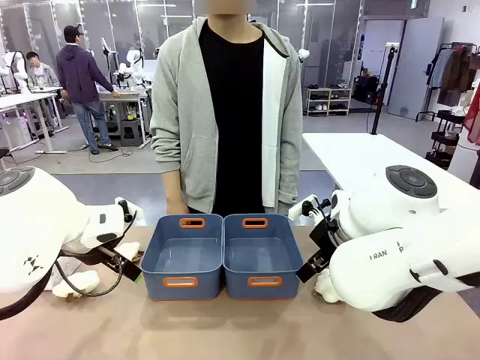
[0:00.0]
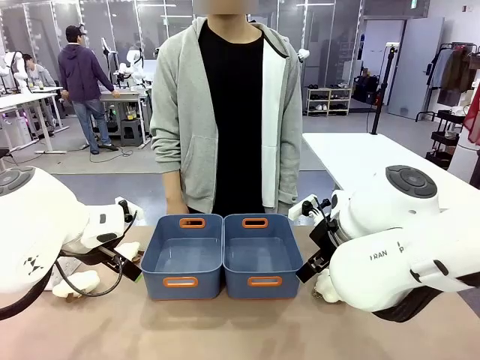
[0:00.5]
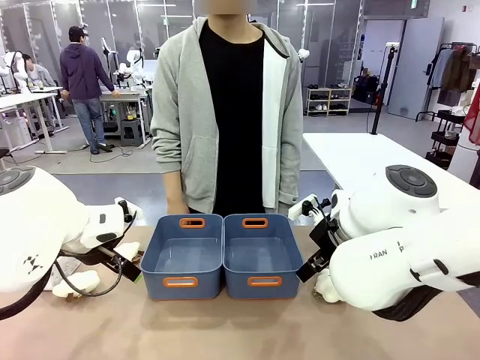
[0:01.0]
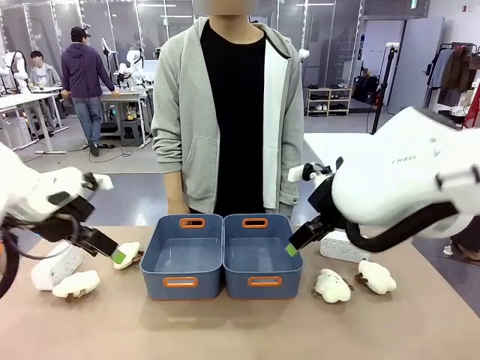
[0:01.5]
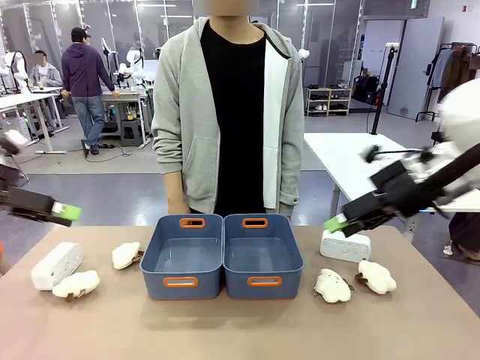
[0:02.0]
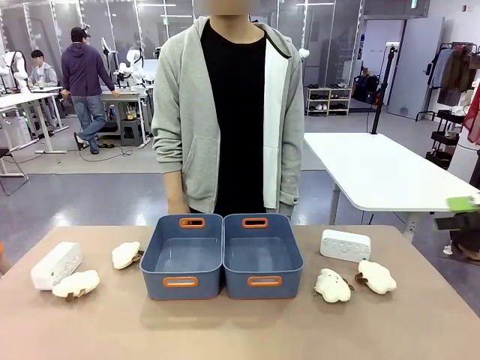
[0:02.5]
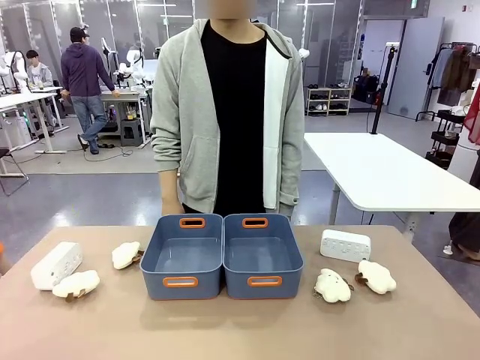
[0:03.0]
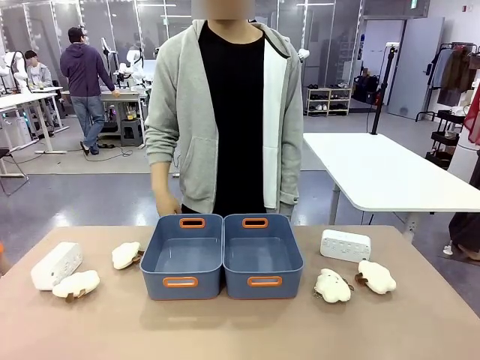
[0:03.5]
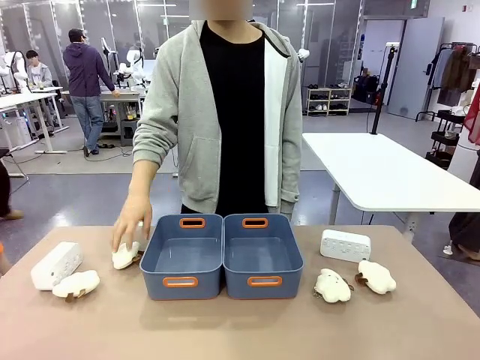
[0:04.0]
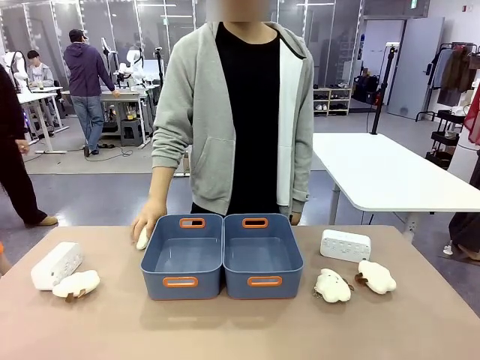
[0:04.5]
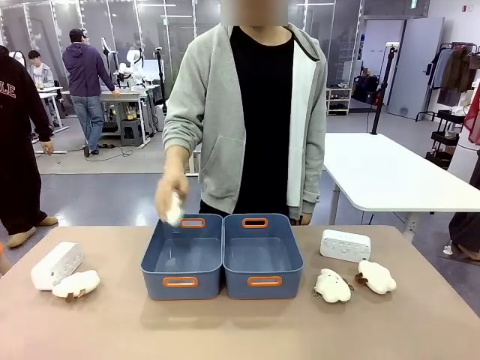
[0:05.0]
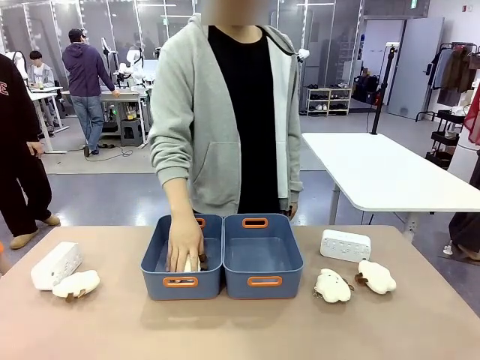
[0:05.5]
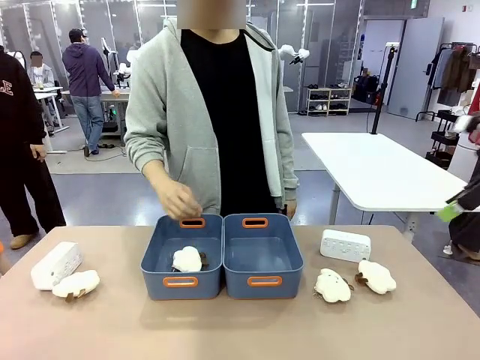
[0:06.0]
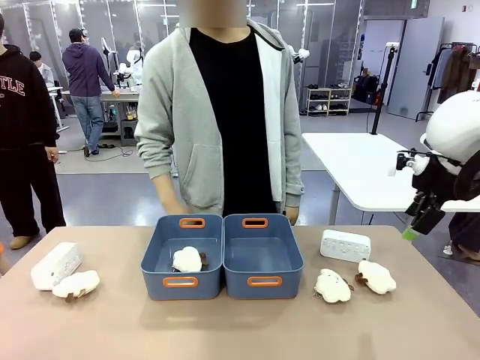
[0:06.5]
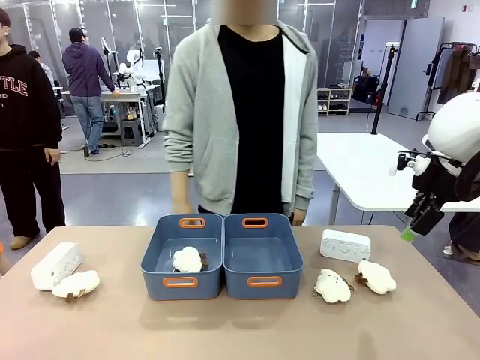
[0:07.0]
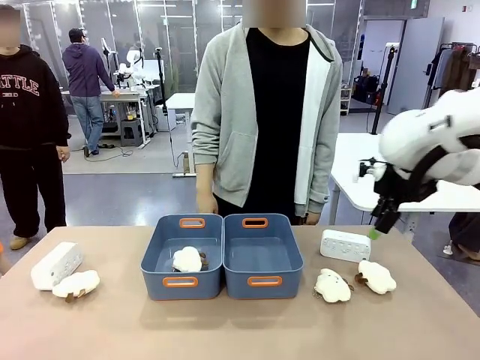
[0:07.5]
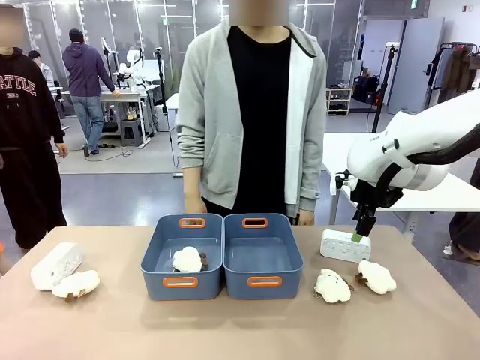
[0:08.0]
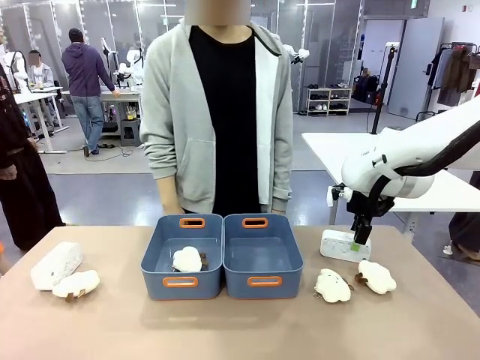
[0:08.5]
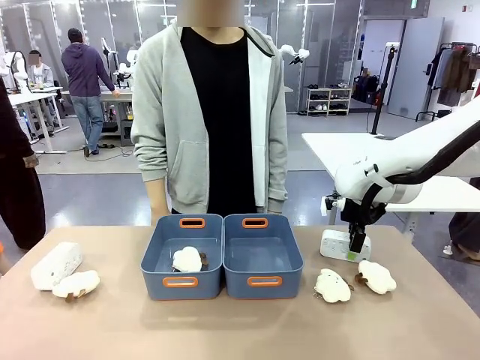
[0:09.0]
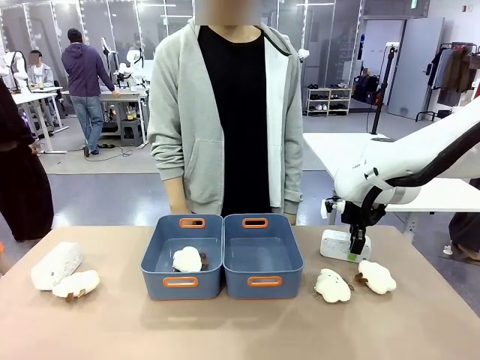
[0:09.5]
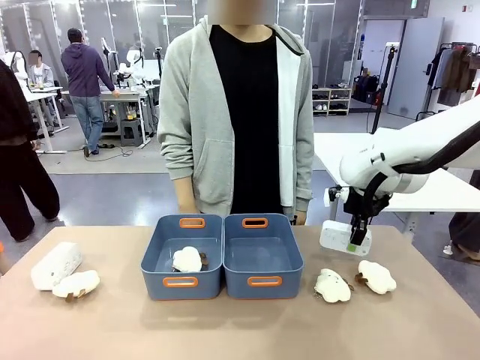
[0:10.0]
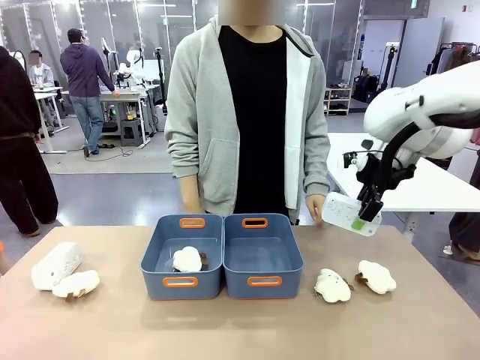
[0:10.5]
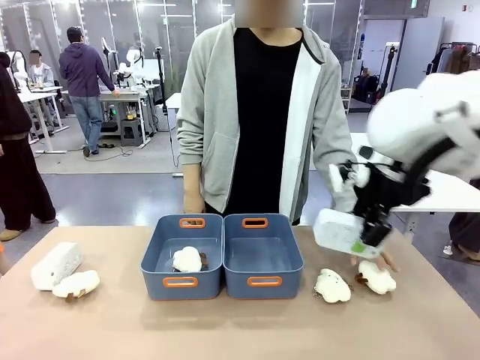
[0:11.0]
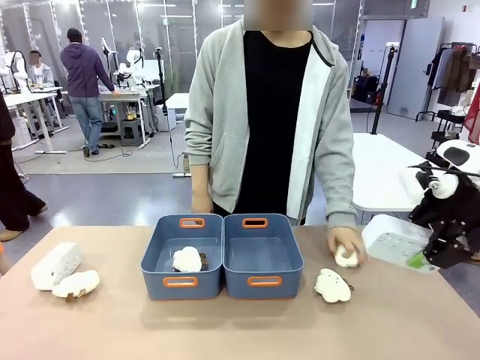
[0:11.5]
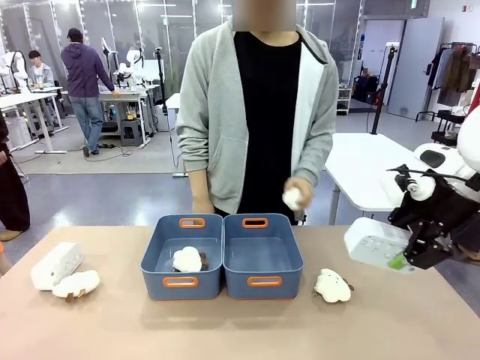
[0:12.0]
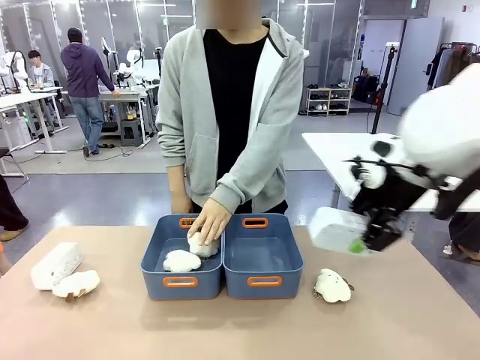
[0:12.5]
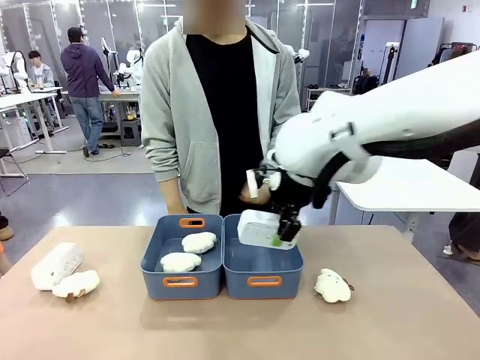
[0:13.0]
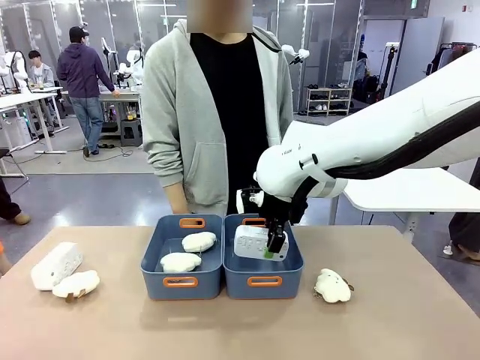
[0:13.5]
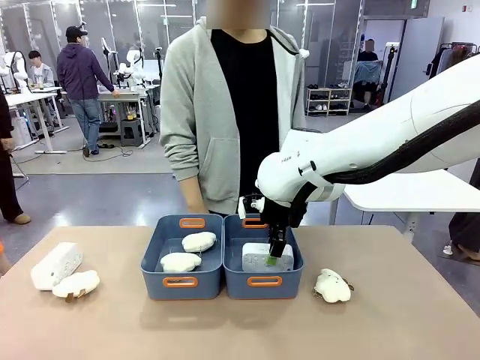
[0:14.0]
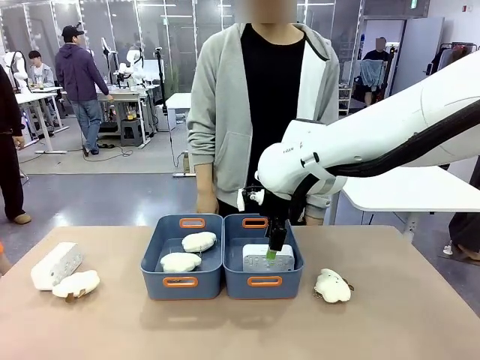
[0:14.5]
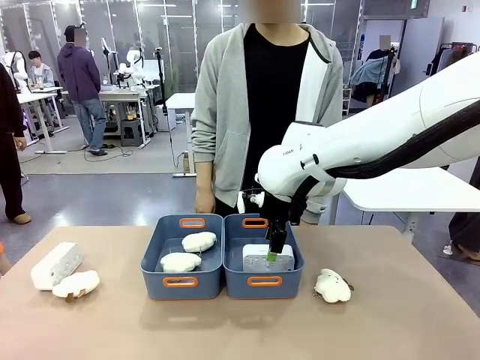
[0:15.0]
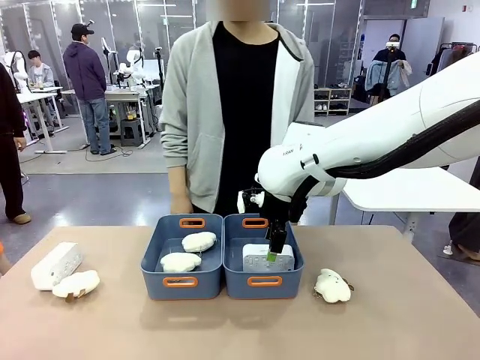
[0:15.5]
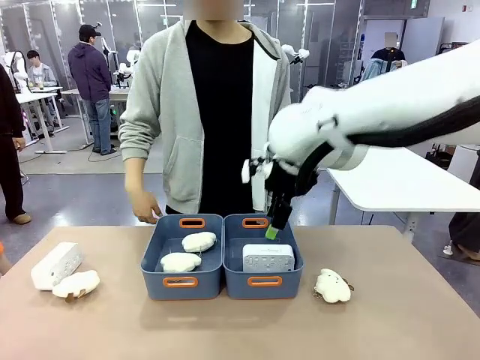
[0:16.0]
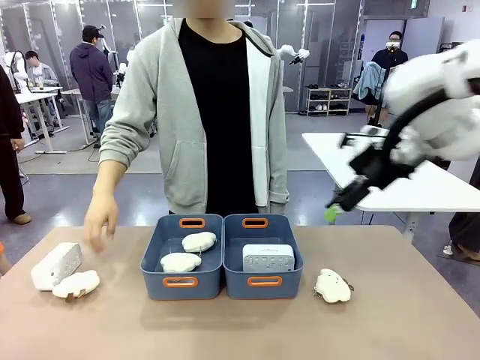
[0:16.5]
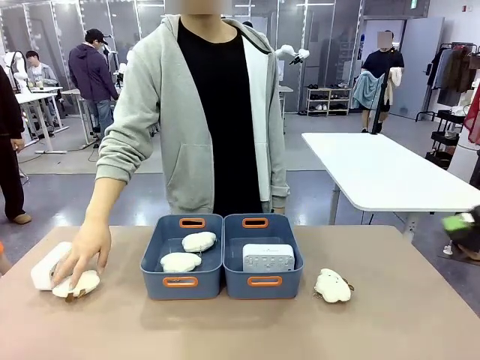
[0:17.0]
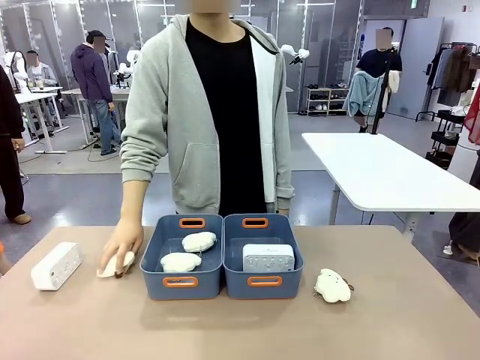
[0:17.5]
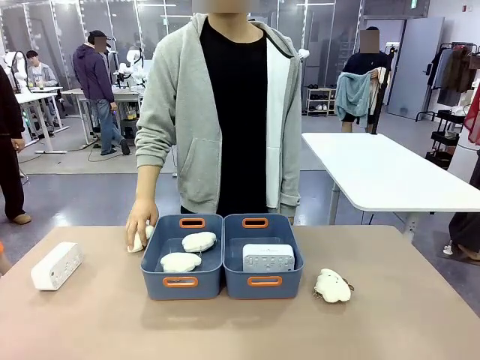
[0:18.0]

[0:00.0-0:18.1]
Task: Sort the digital clocks into the basket.
Robot: Pick up the Digital clock from the table and place it into the empty Plastic storage basket.
Person: Pick up a plush toy from the table and place it in a plastic storage basket.
